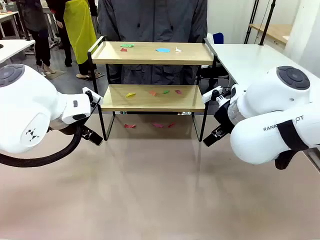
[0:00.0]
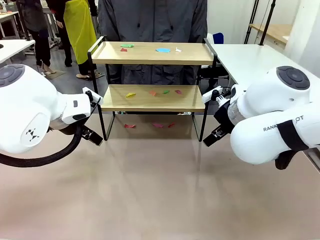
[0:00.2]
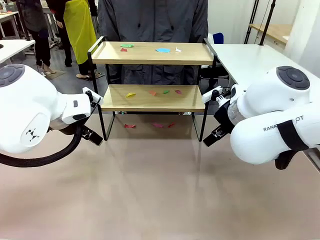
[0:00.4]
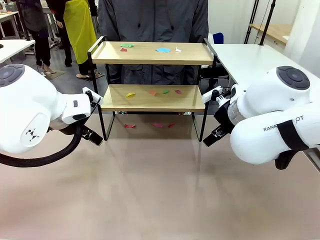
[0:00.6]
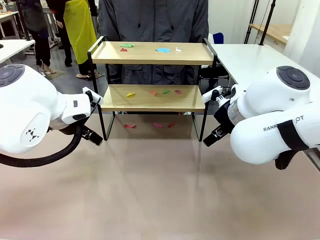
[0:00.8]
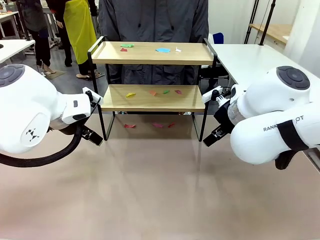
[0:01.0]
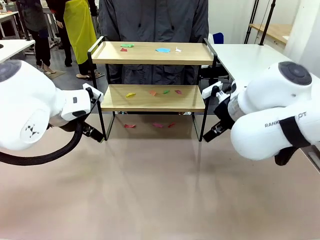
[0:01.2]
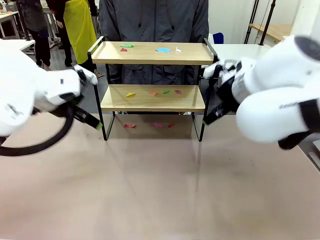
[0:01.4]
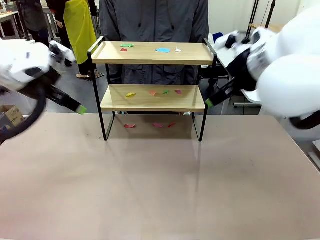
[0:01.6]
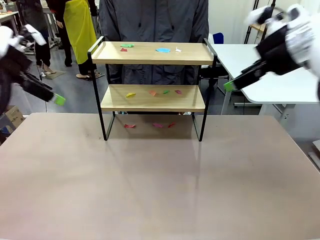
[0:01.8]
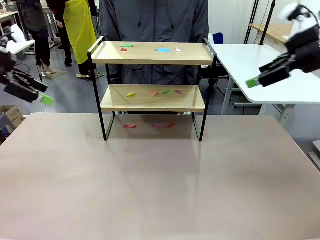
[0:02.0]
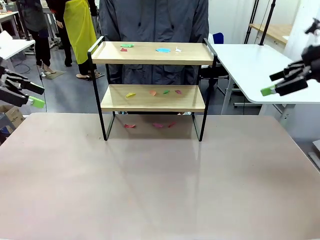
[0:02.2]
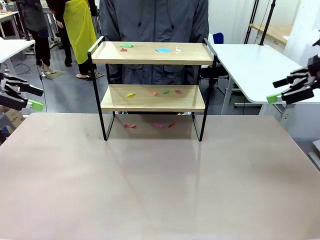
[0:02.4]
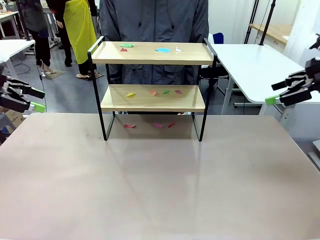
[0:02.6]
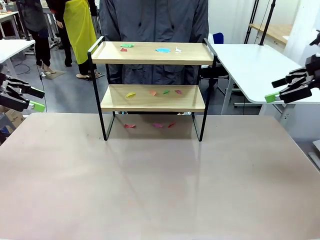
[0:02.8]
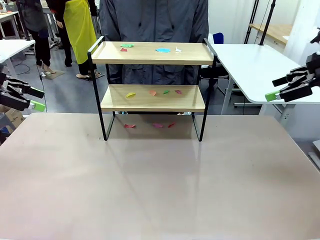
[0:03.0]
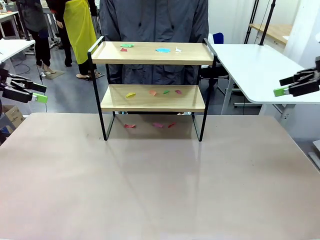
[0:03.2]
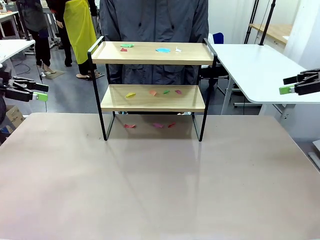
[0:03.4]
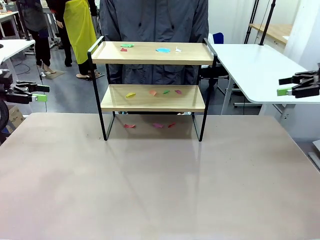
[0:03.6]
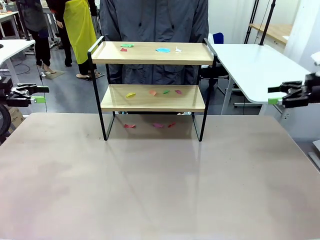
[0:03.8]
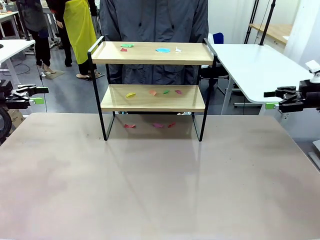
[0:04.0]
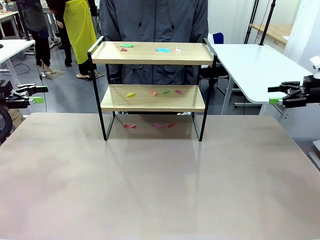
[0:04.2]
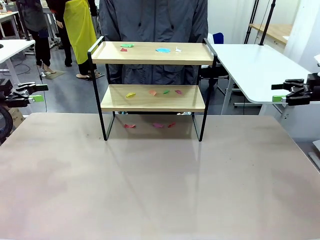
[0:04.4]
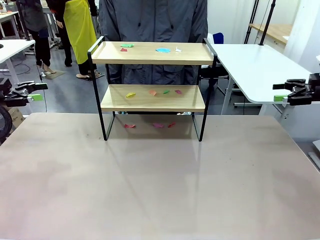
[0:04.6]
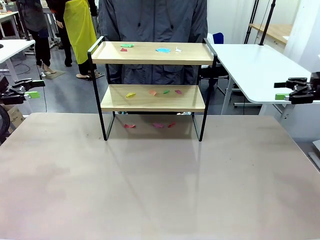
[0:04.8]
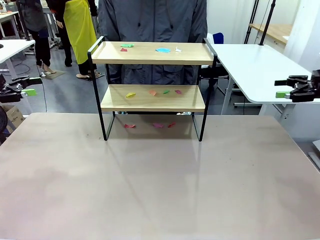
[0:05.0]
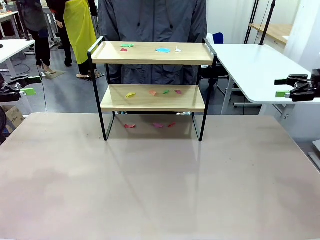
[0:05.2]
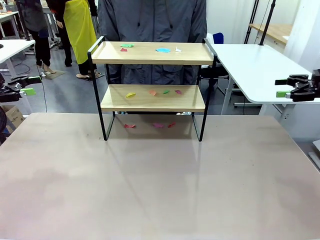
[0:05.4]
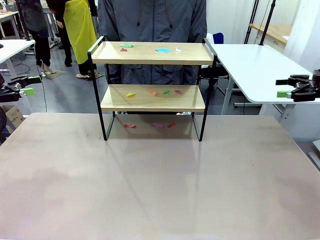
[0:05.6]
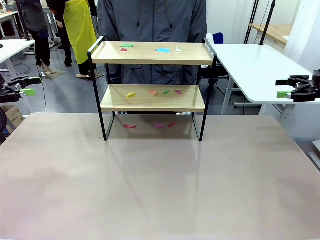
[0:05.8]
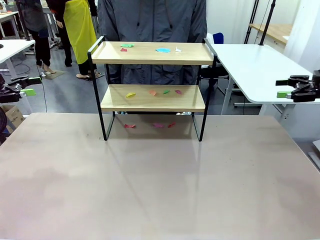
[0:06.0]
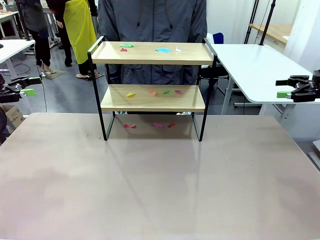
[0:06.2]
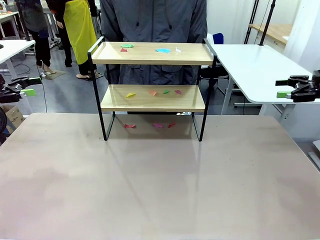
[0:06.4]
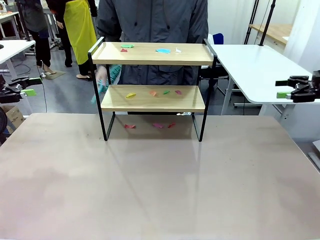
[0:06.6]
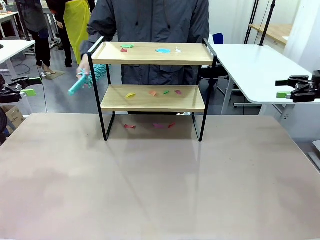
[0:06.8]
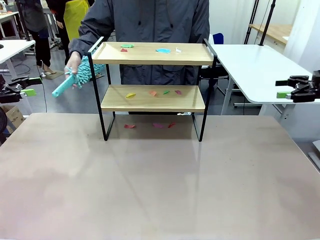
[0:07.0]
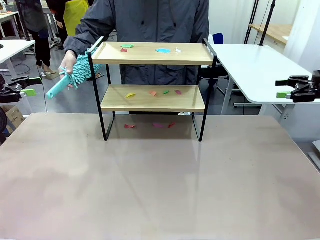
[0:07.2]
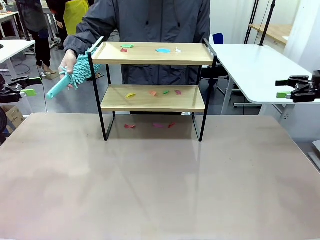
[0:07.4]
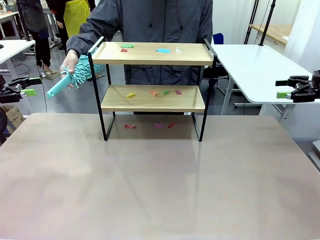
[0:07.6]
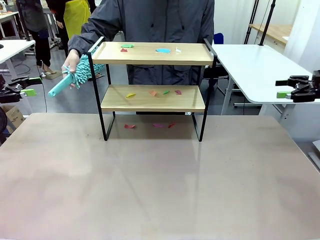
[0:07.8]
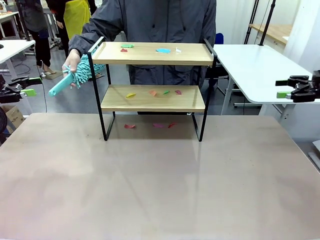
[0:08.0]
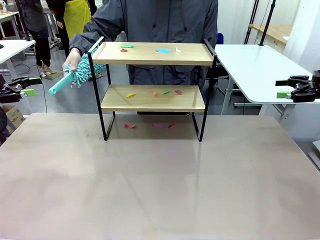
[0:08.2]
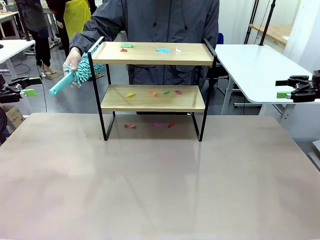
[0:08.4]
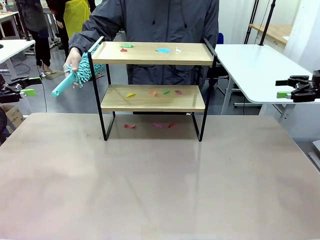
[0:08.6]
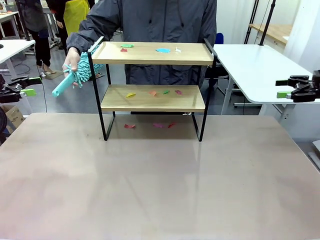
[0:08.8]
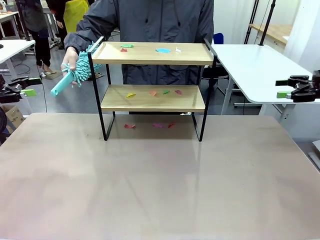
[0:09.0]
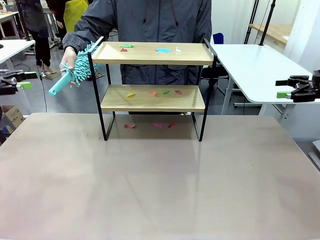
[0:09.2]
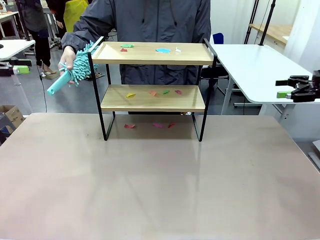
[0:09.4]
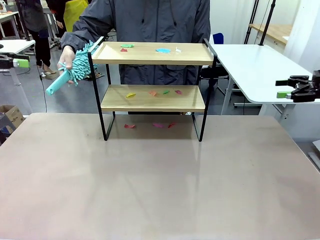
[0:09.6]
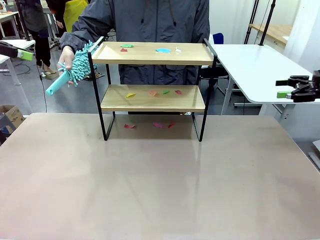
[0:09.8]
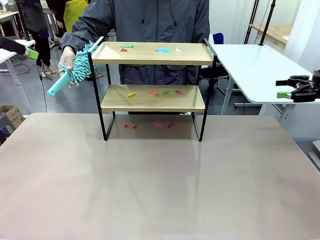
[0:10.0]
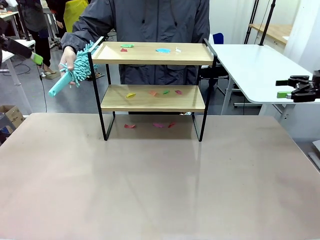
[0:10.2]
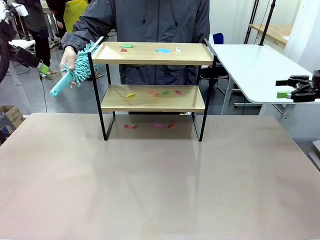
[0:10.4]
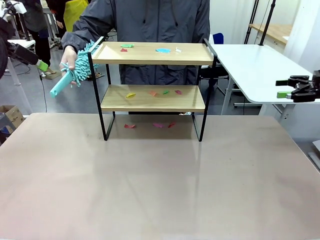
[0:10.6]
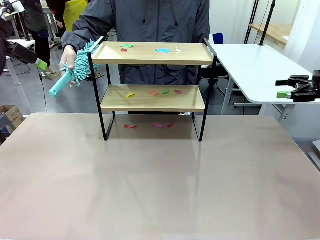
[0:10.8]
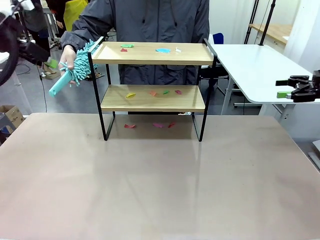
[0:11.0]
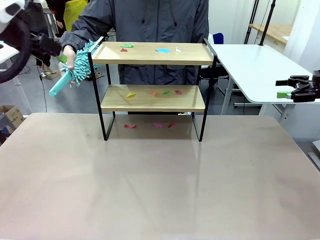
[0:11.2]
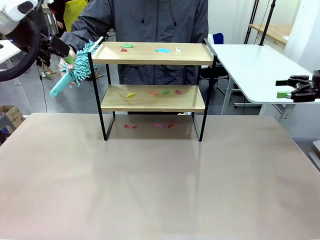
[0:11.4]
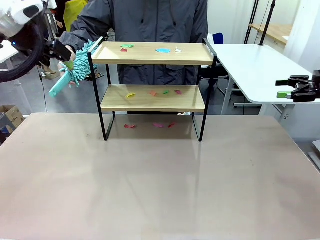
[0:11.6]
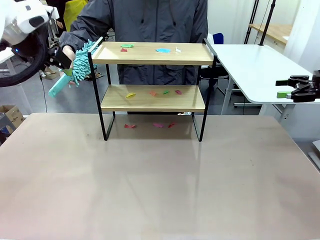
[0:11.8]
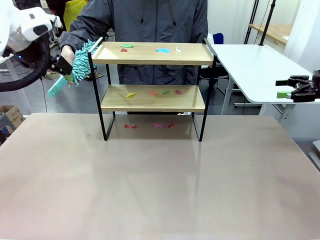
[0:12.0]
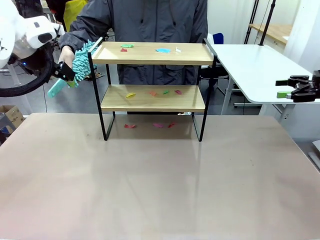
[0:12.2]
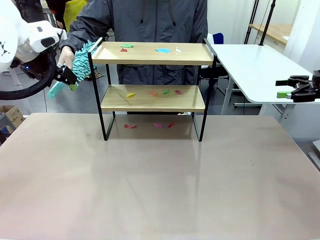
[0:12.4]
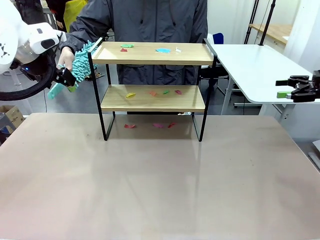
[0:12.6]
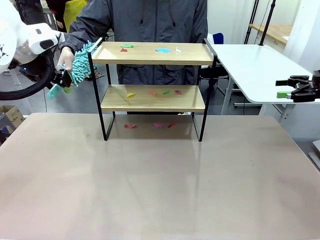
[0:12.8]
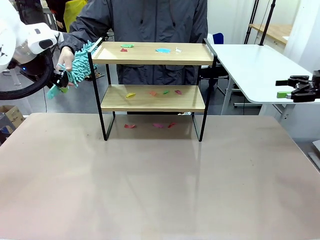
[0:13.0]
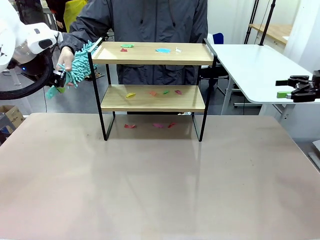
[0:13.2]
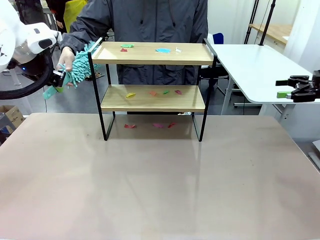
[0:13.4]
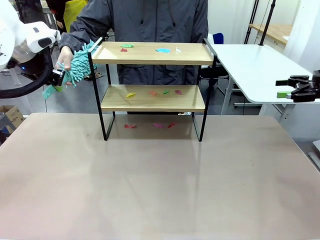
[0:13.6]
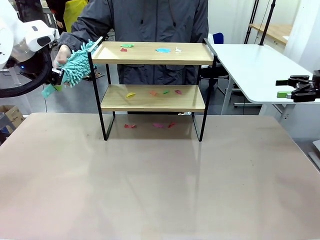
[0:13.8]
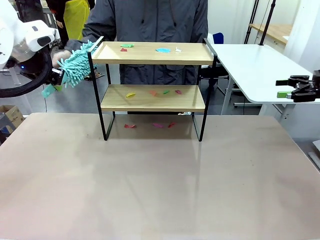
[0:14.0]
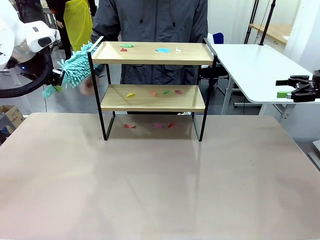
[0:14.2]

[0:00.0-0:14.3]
Task: Clean the shelf.
Robot: Pick up the Duster handed by the human.
Person: Hand the Duster to the robot.
